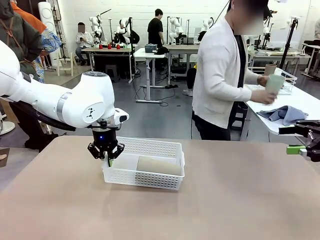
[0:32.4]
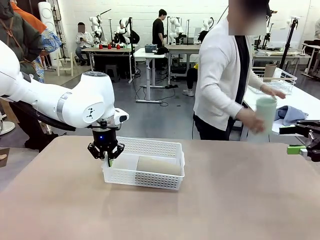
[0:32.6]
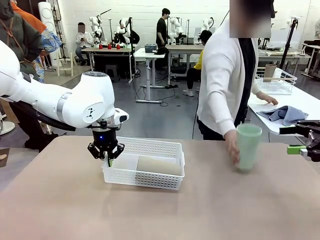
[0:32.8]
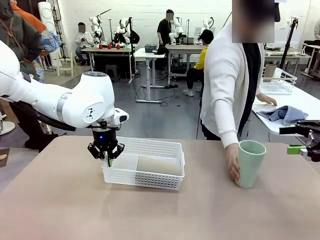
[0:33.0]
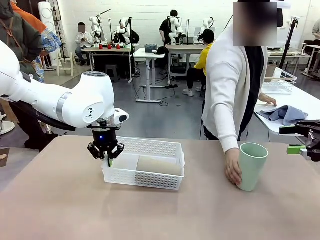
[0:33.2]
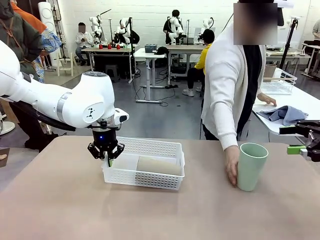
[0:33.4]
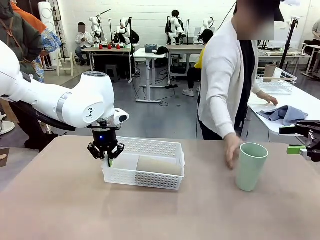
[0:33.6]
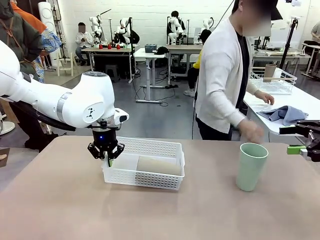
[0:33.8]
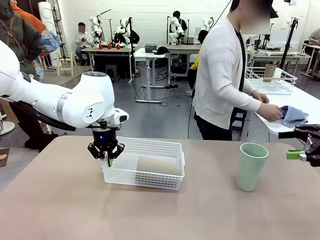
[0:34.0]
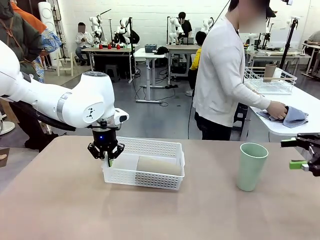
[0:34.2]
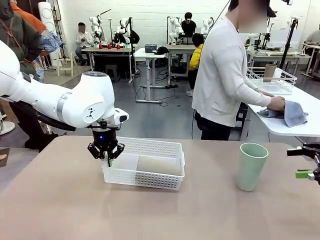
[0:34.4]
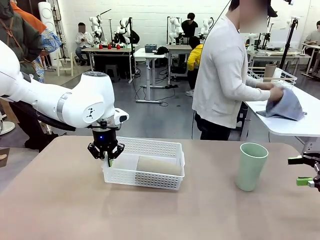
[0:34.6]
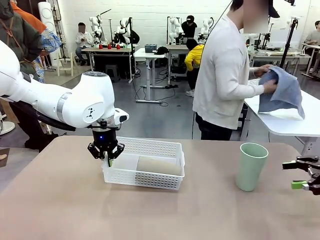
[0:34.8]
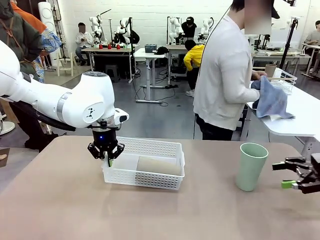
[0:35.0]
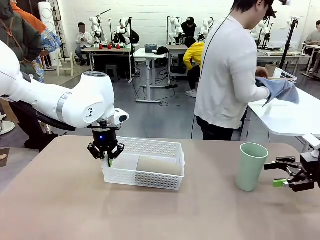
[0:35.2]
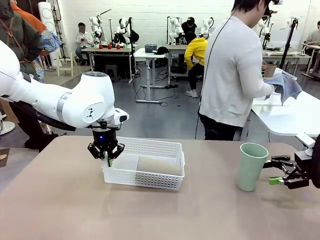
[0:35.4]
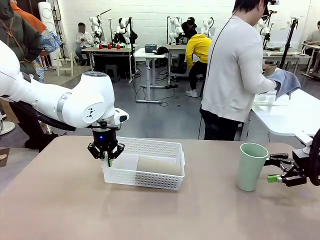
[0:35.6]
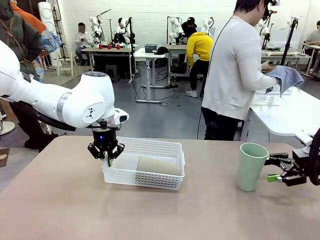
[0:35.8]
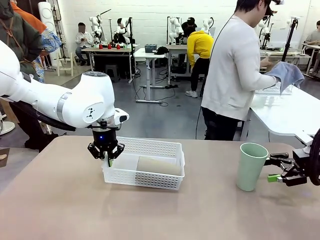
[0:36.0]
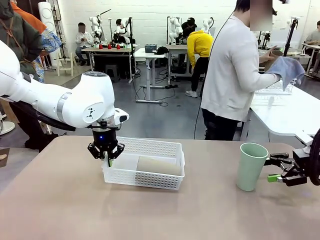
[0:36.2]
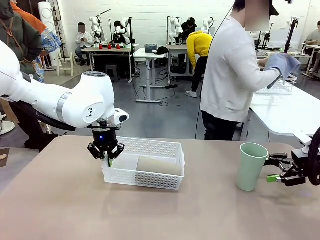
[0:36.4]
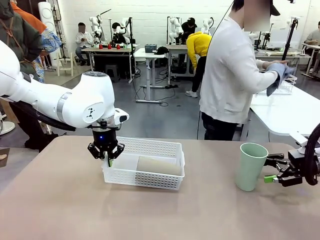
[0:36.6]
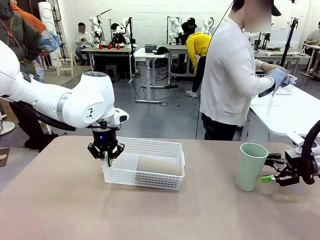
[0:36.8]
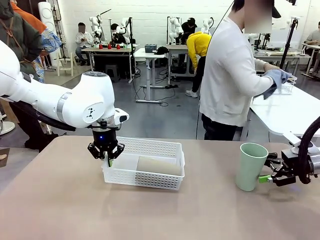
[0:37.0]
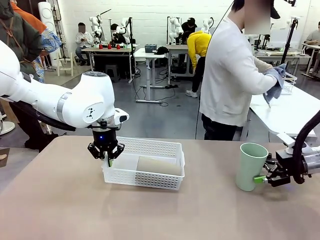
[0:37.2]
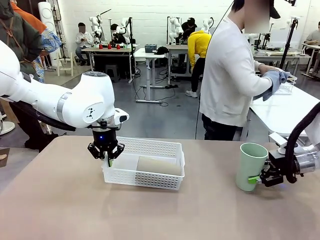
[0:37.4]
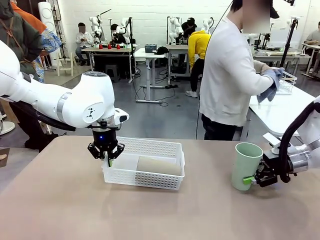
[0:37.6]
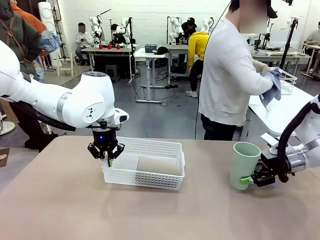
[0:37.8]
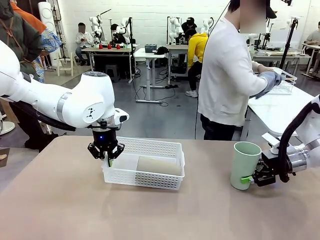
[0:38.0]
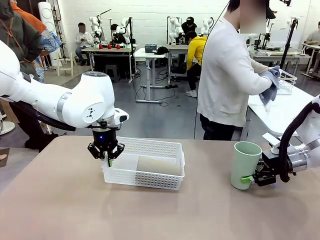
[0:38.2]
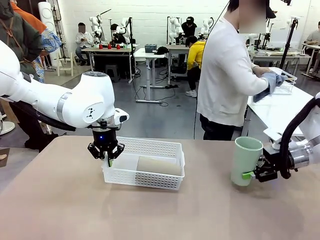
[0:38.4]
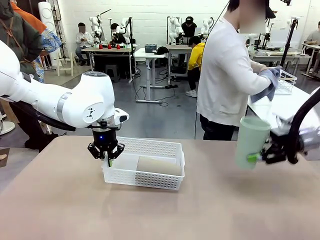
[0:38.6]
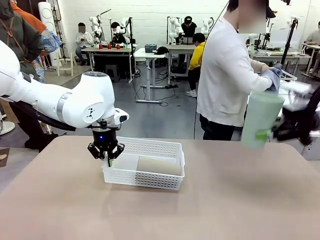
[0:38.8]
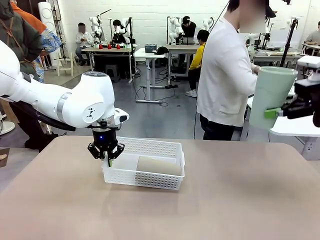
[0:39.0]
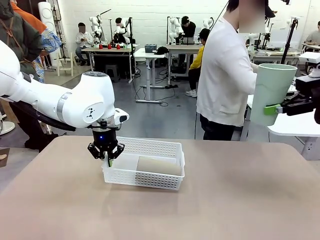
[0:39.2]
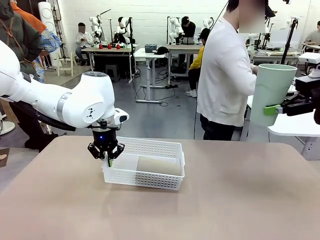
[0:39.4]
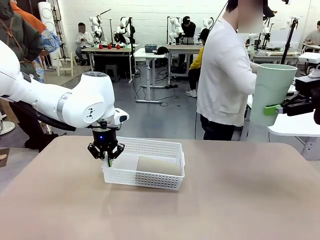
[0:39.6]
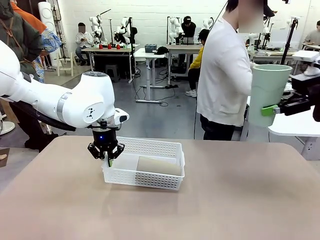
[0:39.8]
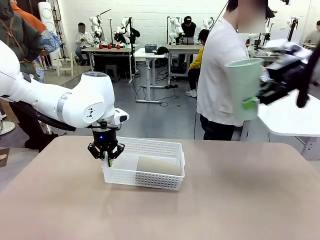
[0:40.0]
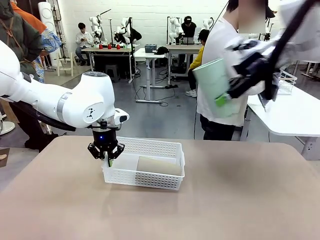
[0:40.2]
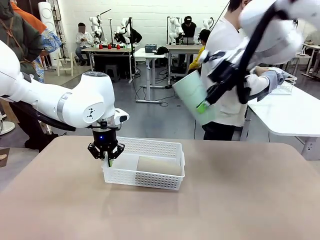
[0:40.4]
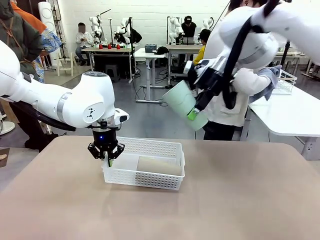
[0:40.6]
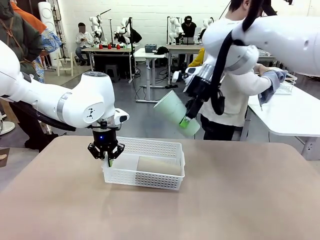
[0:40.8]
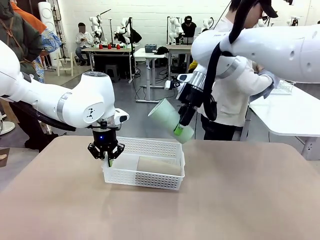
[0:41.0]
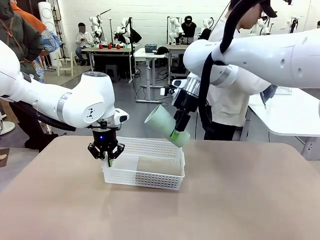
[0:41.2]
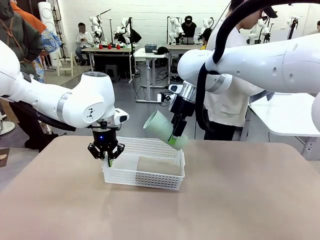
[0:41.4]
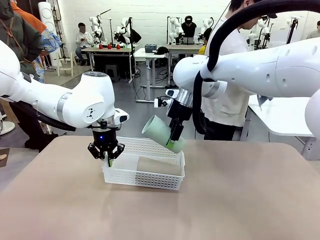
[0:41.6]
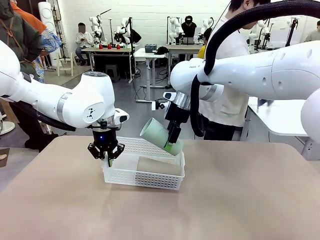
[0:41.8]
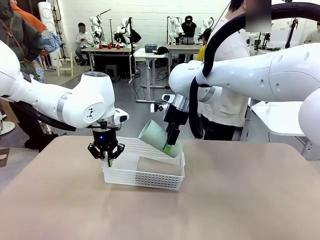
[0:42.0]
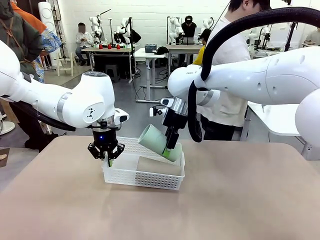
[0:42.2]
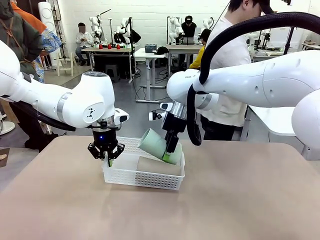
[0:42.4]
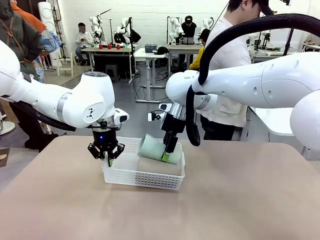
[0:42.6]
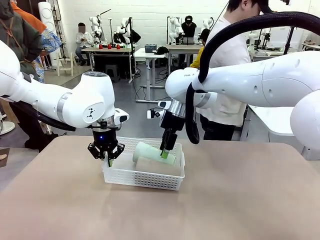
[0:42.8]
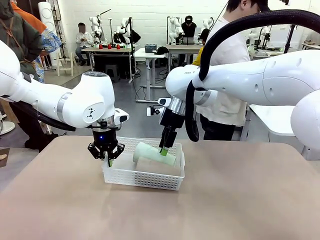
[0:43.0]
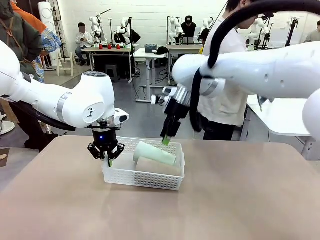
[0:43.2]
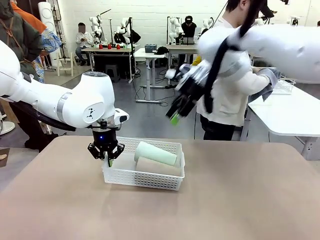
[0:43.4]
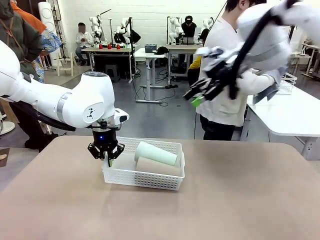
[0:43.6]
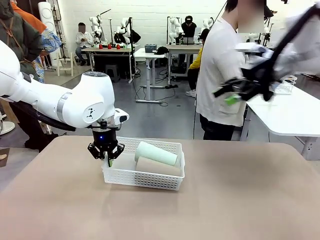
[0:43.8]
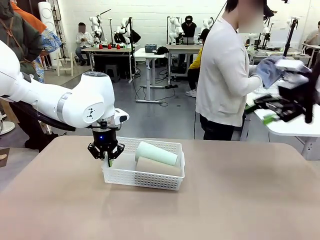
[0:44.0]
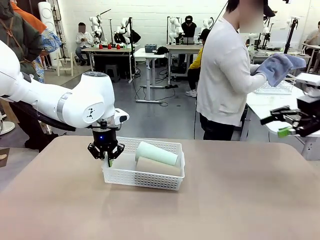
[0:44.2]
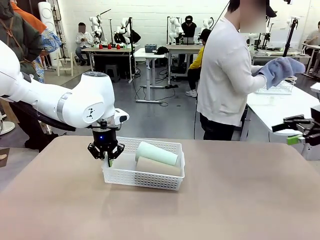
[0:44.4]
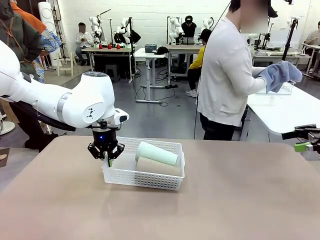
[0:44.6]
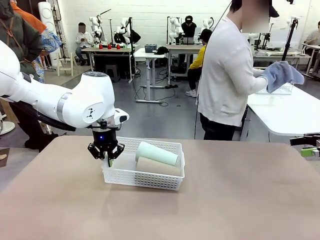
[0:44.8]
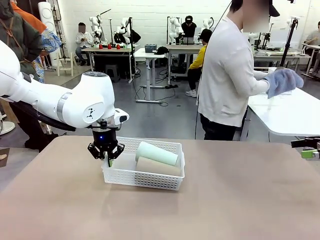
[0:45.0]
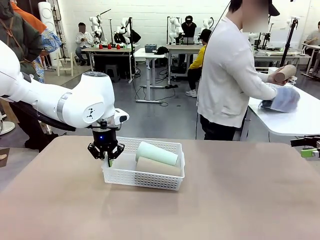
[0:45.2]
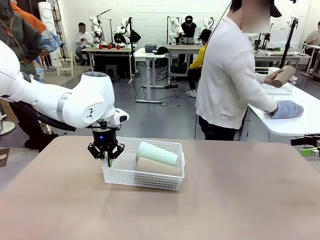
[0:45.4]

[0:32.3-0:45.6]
Task: Clean and organize the cups into the basket.
Robot: Pick up the Reusable plastic cup from the right side of the table and stack it inside the Organizing basket in the center of the table.
